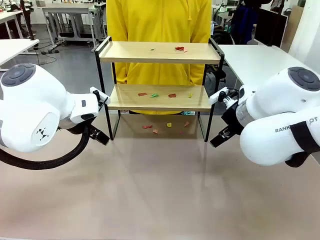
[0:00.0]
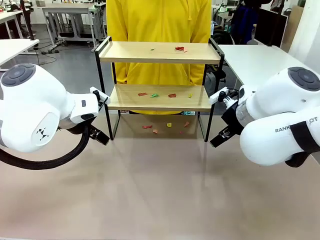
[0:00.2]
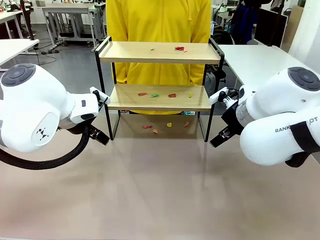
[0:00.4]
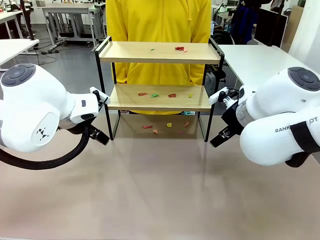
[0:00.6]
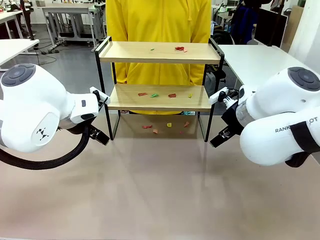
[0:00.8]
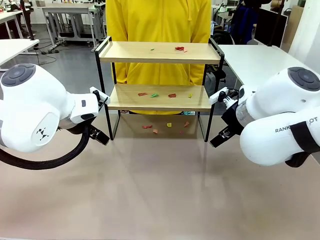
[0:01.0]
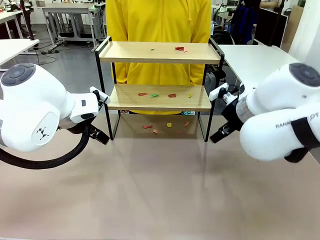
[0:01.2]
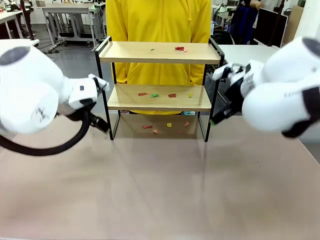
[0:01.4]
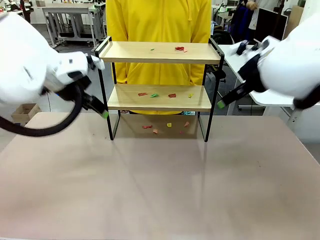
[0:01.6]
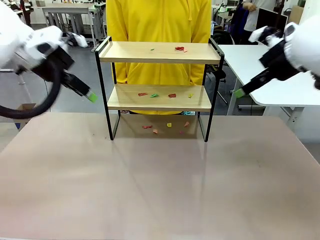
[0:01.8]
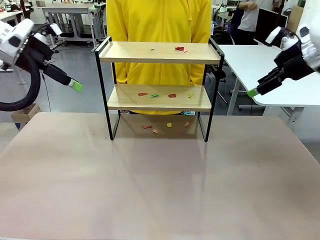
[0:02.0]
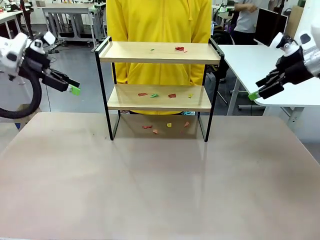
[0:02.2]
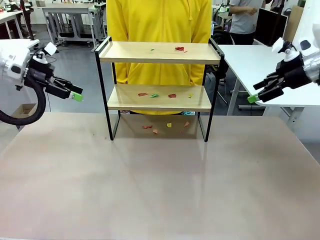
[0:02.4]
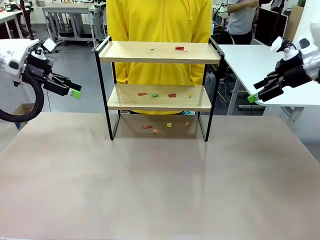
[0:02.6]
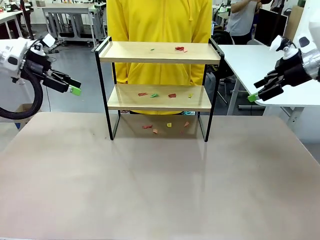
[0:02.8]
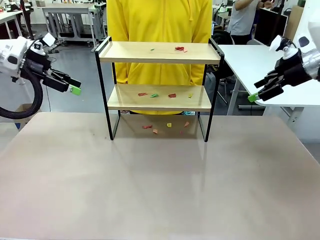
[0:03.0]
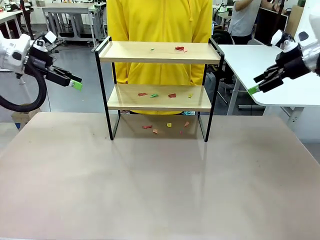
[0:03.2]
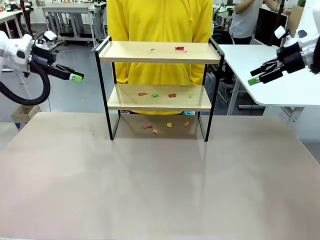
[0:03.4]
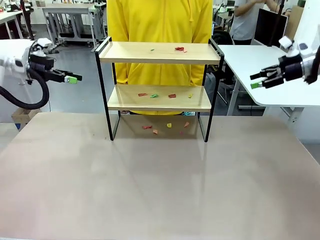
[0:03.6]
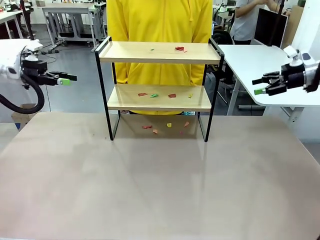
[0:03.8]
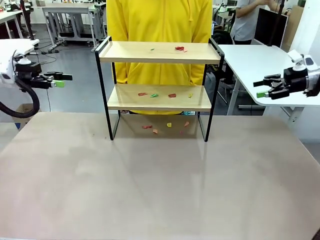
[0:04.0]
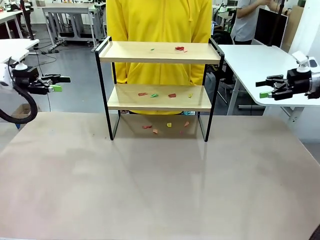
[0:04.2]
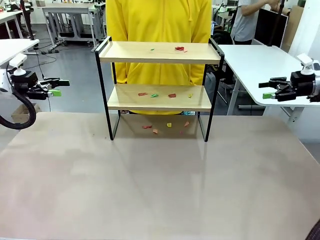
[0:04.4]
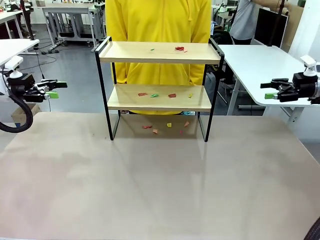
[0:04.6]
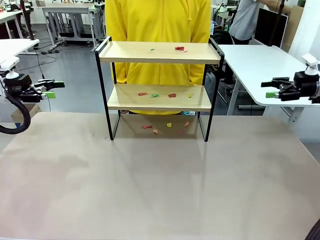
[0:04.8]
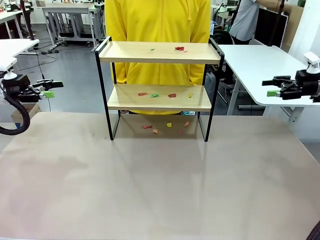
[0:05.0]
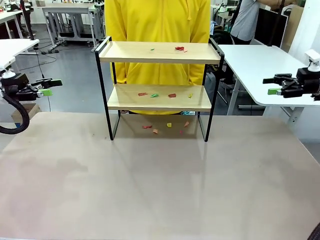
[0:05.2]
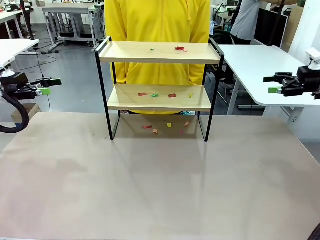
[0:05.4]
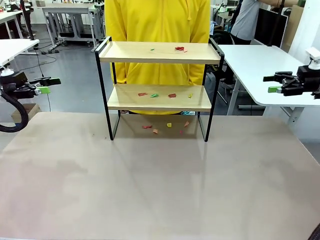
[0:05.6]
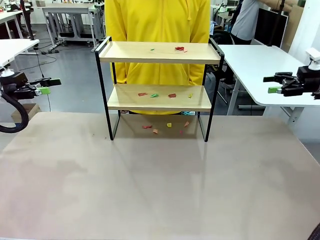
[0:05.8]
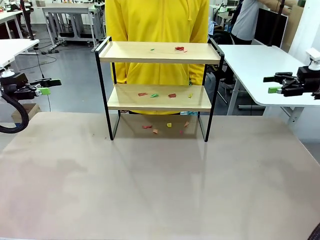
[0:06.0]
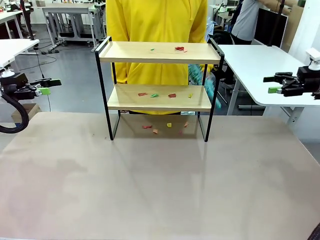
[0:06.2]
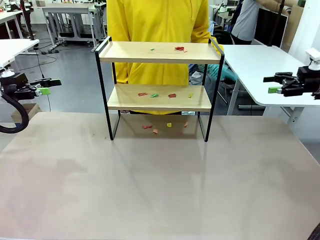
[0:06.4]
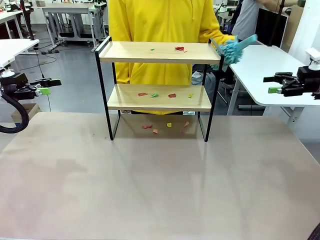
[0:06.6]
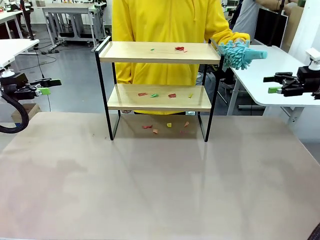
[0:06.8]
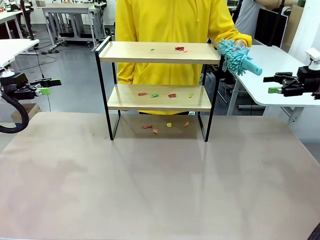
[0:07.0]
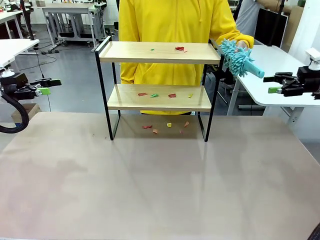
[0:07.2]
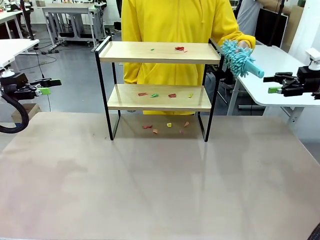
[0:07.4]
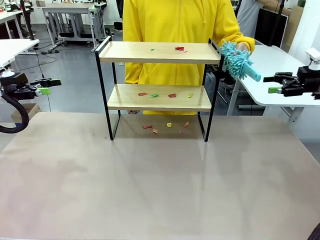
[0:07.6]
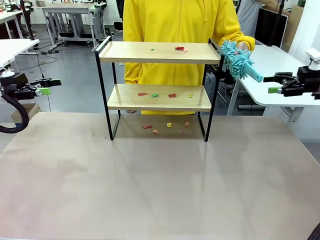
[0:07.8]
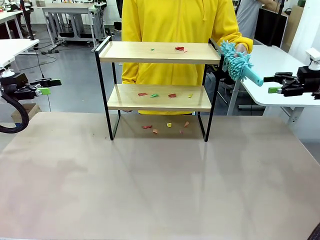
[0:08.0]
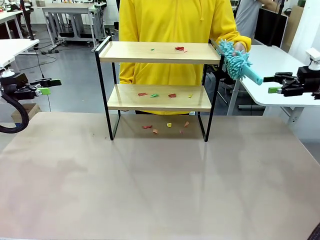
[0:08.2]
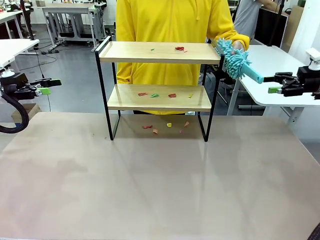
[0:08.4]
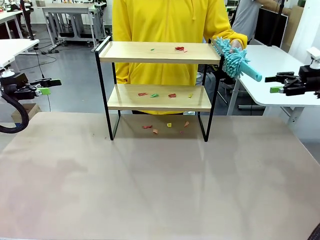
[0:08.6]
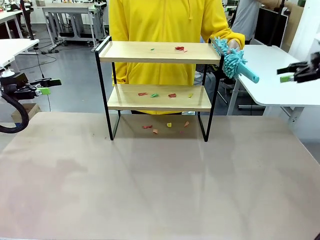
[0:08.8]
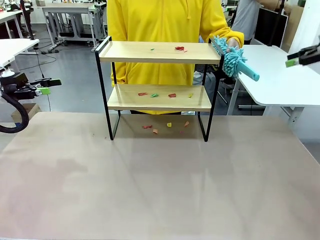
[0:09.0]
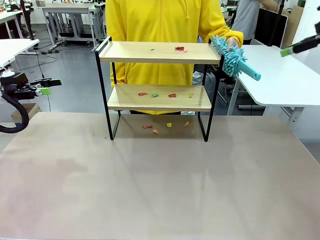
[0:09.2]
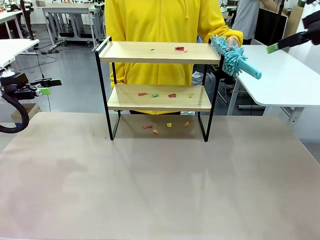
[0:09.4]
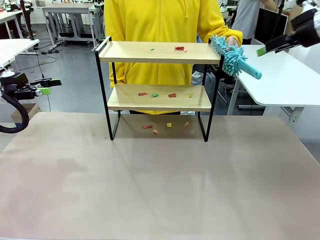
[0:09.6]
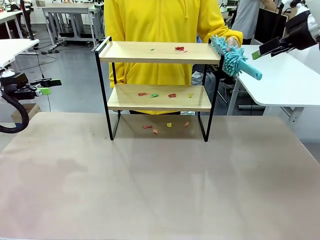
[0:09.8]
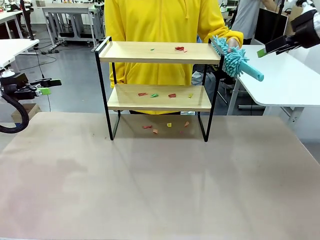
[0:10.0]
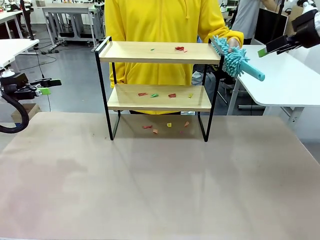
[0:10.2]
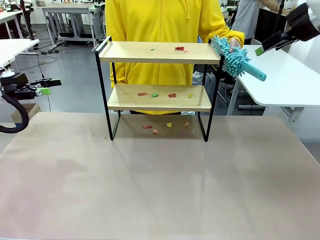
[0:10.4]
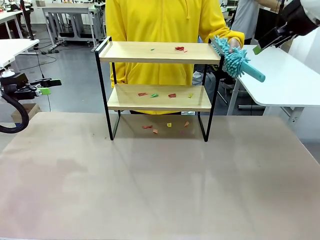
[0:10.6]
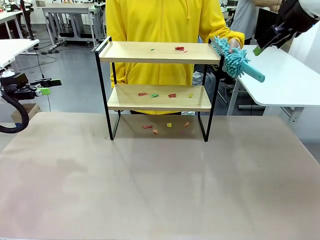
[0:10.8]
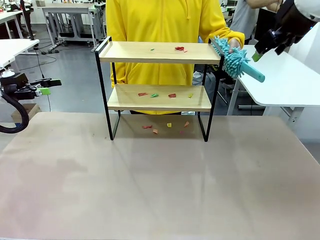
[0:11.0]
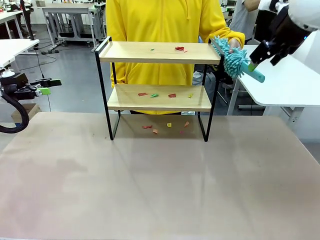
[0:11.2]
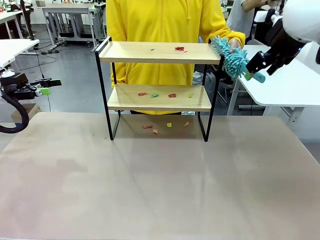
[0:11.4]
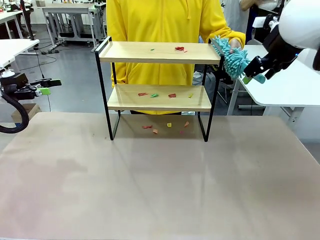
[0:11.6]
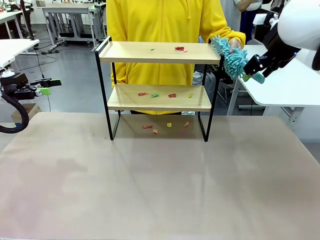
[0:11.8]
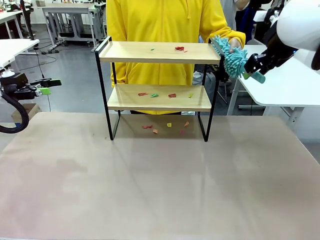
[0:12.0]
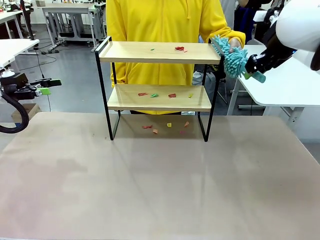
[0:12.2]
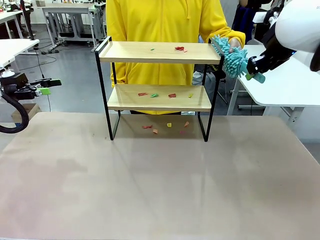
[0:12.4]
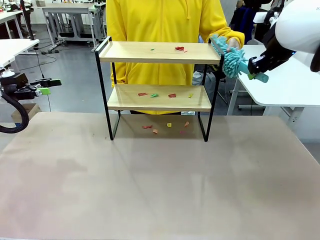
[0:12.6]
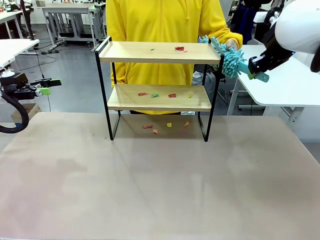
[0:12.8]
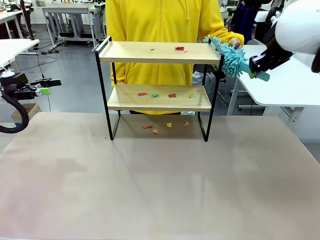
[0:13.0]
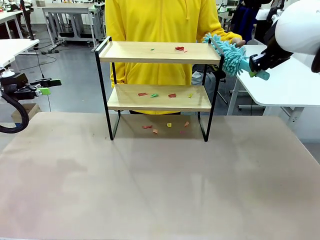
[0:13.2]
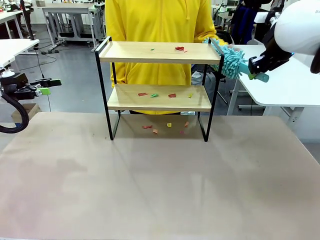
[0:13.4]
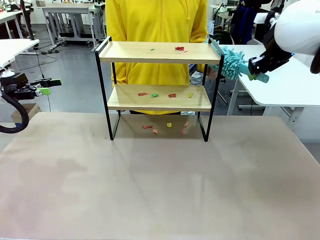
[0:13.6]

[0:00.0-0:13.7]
Task: Clean the shelf.
Robot: Pick up the Duster handed by the human.
Person: Hand the Duster to the robot.
